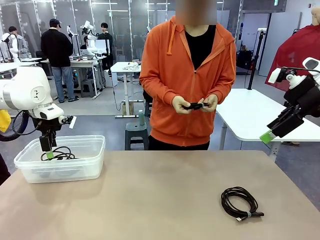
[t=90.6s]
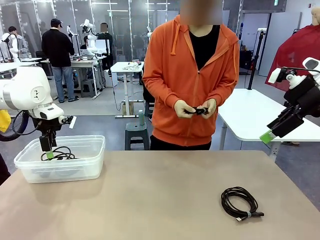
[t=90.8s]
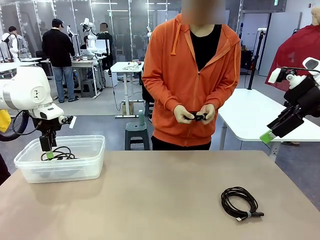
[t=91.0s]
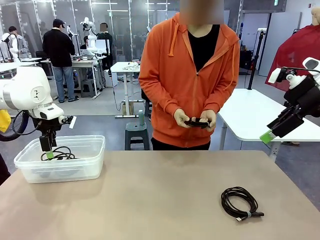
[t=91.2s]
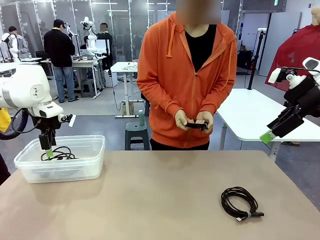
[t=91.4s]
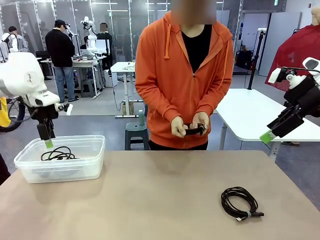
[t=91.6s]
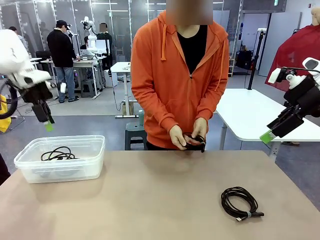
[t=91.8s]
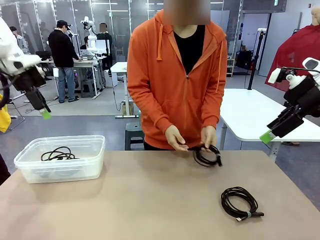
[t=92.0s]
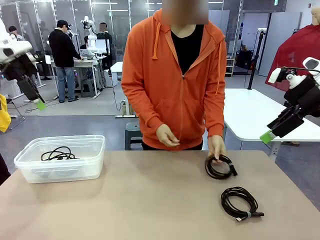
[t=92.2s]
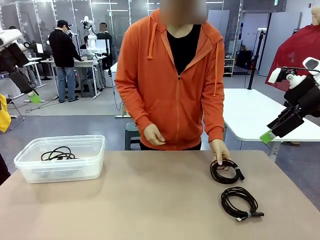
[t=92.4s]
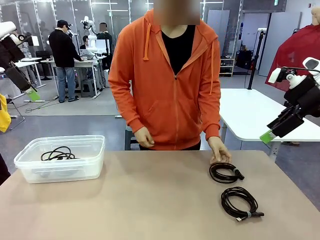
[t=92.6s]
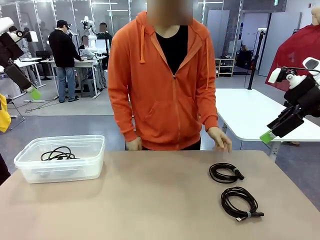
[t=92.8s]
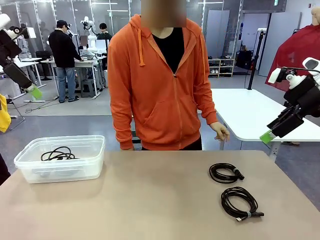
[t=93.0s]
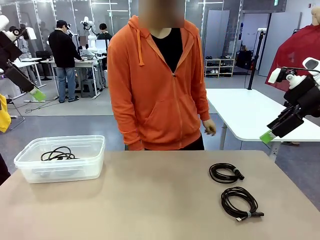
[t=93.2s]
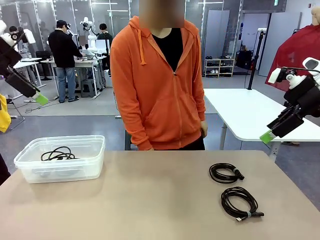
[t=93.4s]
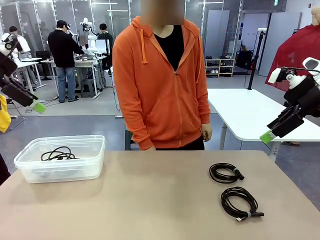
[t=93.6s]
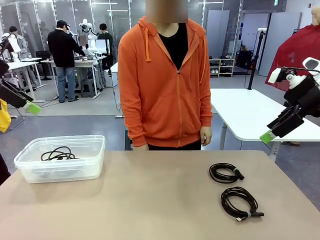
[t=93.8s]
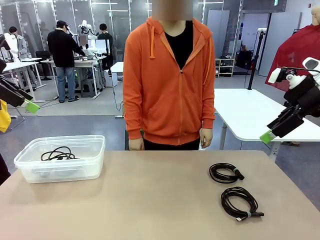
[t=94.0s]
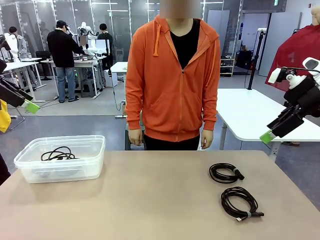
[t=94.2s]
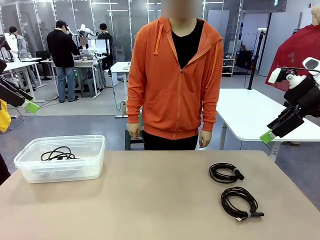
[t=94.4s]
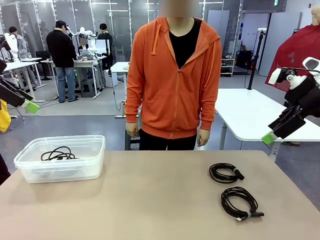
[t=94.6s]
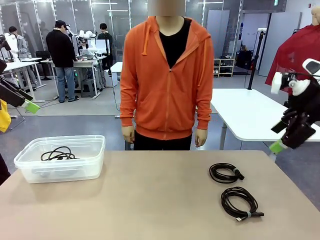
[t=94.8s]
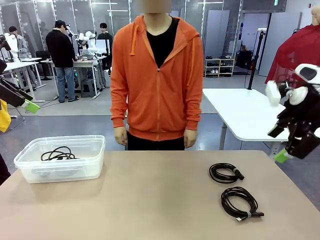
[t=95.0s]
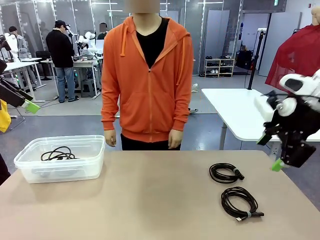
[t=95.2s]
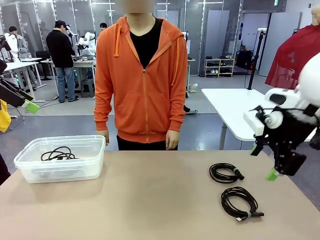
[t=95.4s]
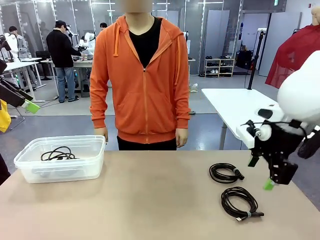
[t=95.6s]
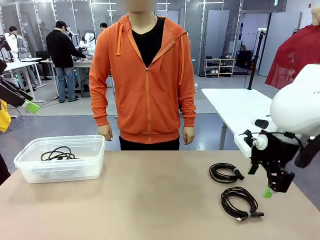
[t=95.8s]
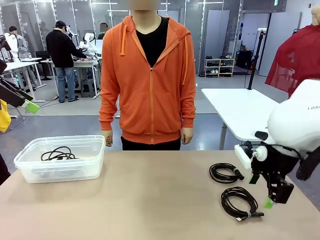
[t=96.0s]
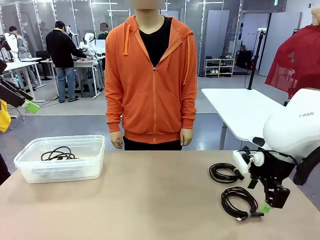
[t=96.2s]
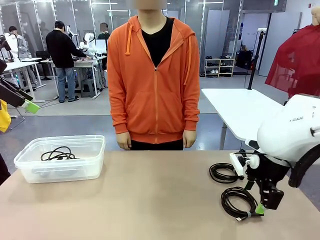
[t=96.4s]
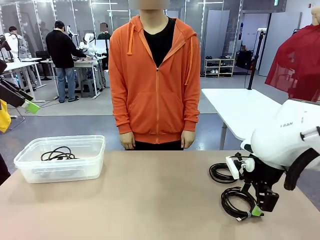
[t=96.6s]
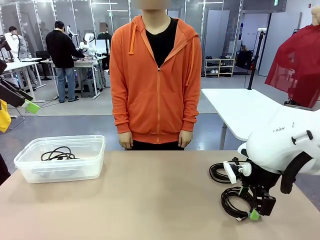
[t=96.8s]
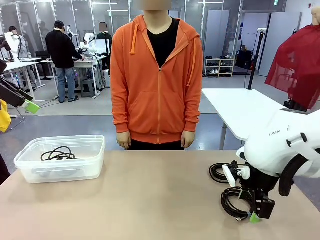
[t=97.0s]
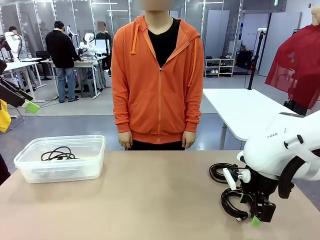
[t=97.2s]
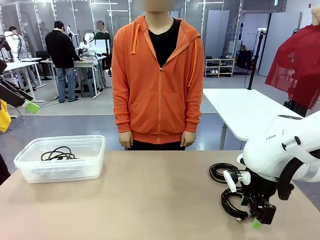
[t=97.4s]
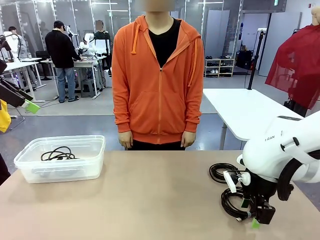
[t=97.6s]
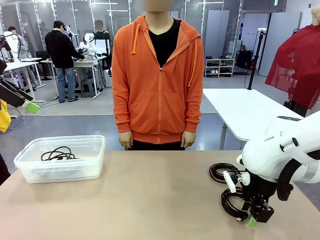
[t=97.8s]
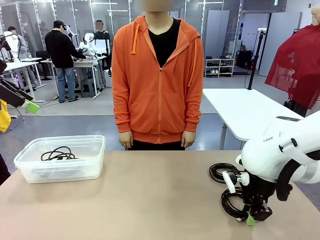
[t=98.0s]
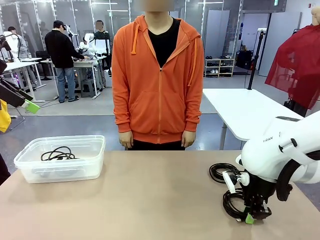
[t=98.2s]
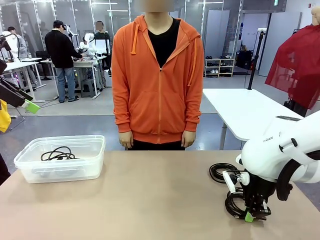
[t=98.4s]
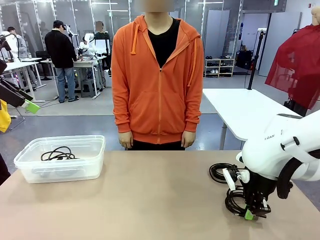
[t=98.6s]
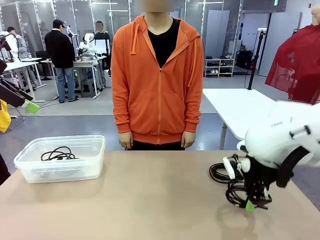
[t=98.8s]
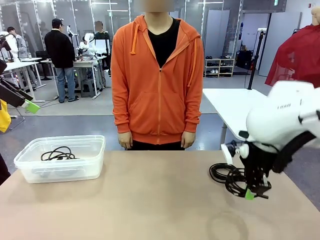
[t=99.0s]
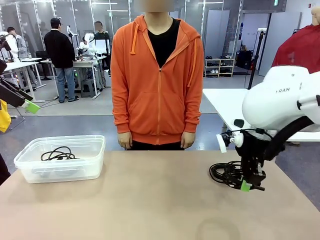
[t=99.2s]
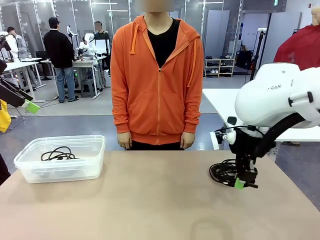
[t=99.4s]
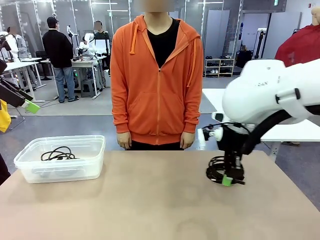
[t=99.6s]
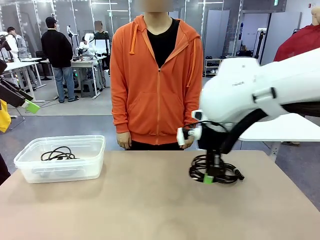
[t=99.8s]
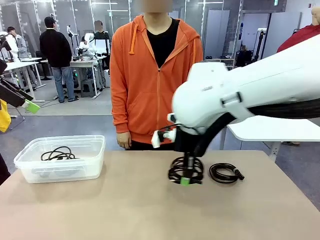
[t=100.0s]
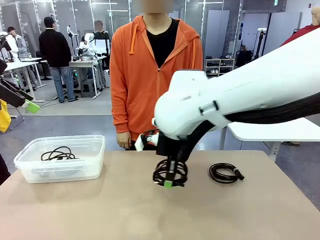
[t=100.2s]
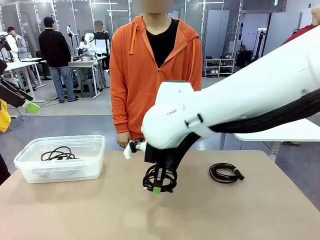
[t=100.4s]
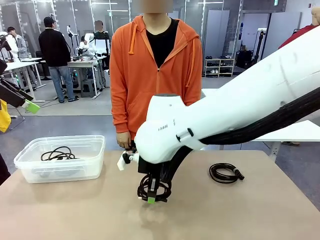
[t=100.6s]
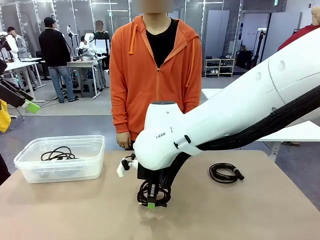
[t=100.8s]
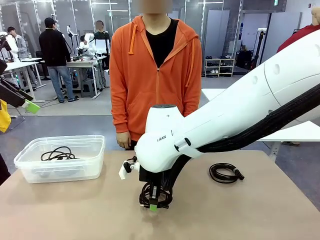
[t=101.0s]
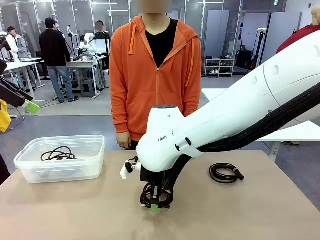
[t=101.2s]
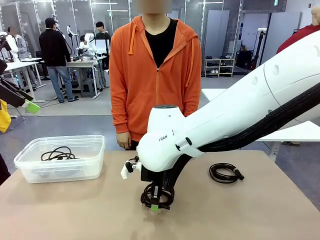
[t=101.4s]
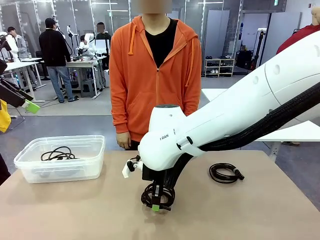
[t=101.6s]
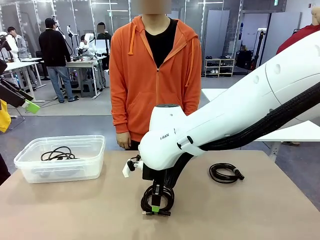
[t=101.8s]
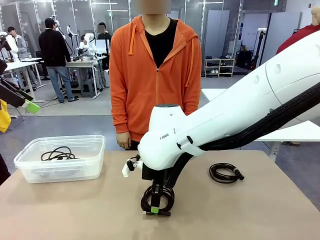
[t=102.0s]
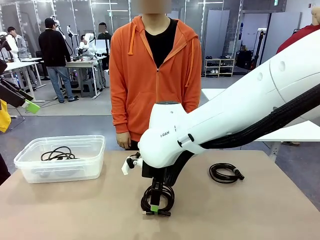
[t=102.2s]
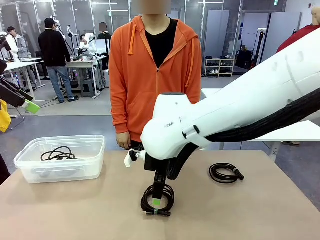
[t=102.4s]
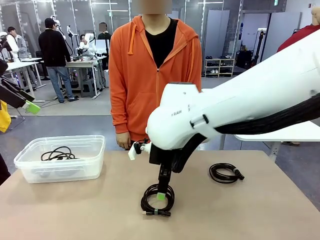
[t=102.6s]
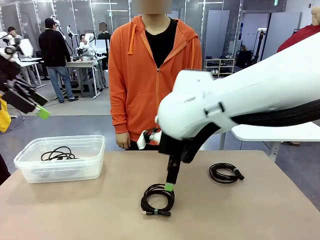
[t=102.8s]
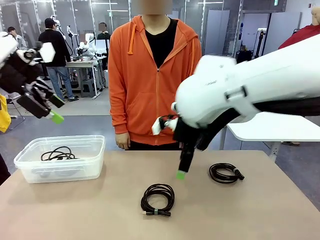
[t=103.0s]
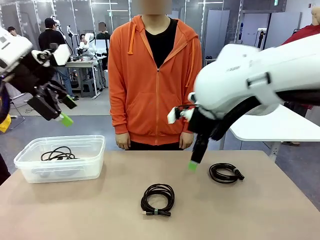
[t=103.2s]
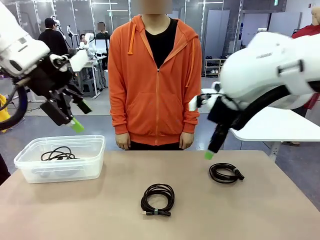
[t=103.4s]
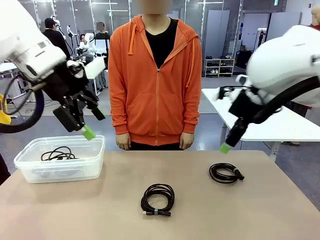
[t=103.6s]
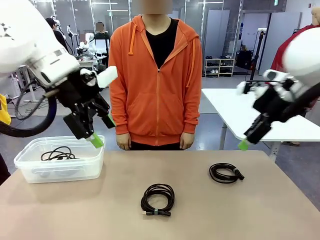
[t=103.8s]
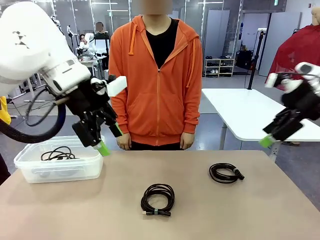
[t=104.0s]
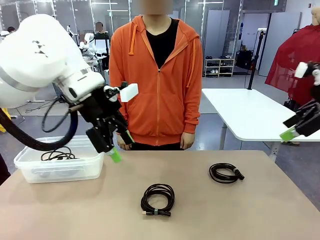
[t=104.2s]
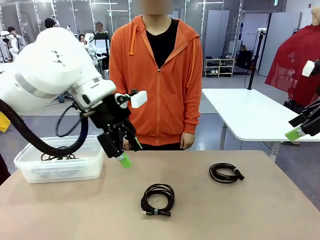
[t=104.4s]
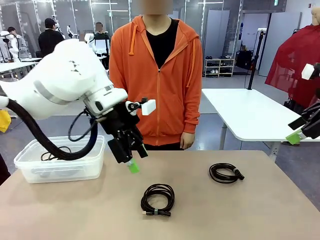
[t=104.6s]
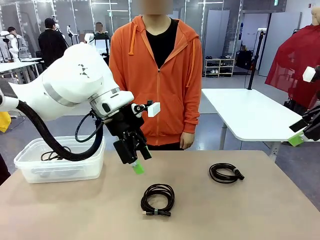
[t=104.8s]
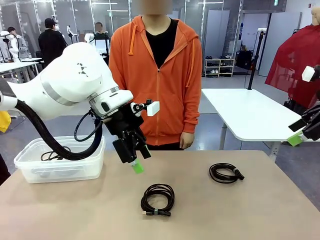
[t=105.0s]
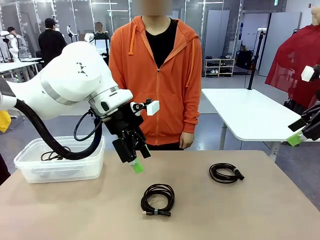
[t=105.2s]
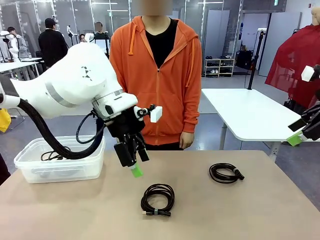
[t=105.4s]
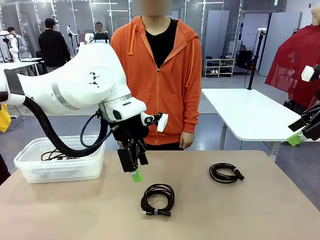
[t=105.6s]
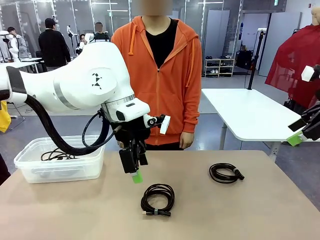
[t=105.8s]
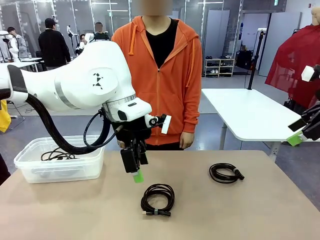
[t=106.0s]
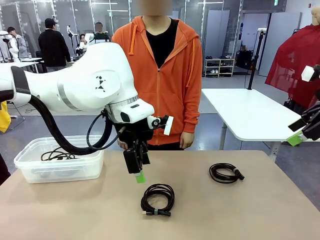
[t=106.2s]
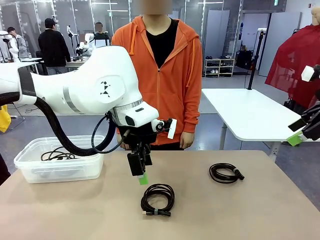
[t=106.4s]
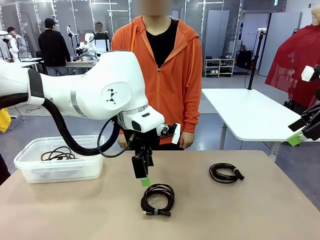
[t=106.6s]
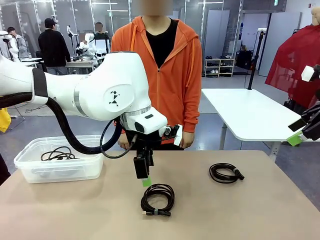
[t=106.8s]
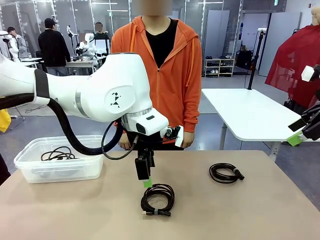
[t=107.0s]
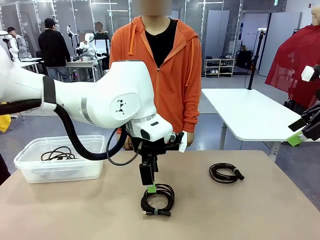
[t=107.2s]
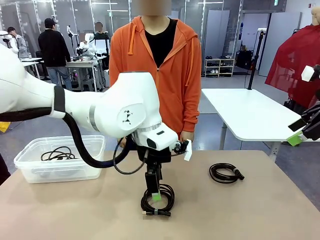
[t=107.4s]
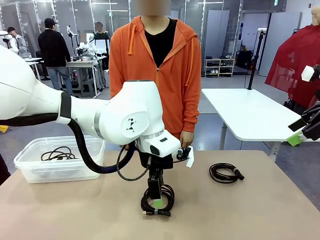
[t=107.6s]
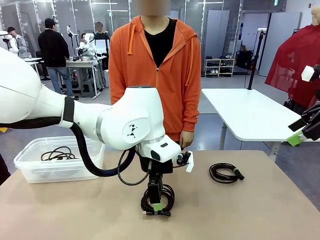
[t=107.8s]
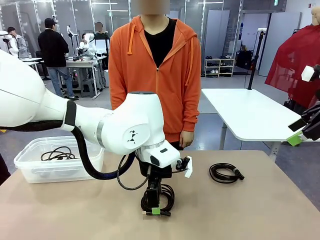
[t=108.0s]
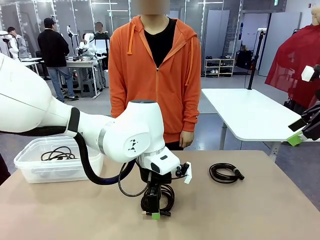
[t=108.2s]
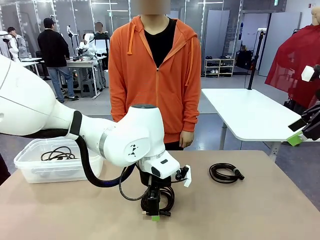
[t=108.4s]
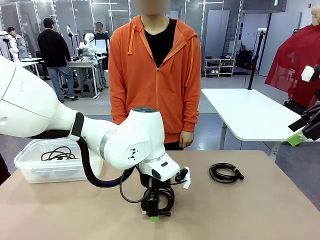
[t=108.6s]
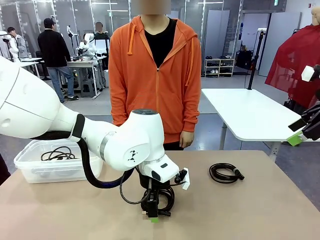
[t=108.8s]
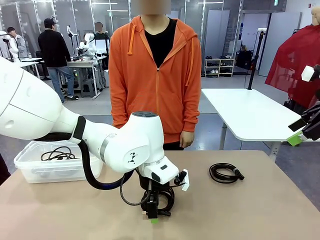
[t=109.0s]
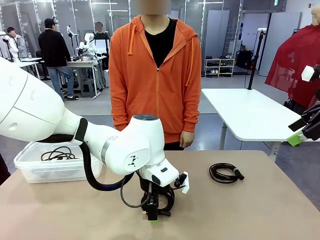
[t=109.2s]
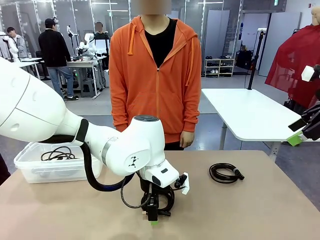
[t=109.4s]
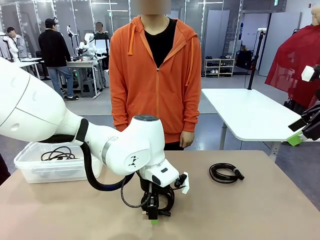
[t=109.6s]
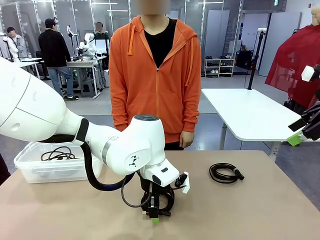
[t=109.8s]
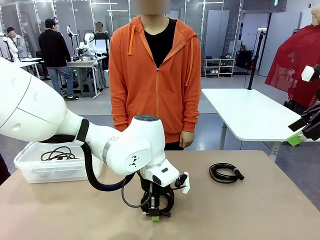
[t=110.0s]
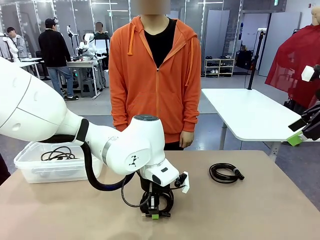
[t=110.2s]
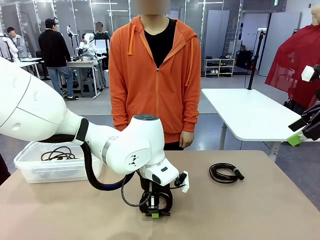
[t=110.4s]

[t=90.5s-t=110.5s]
Task: Organize and store the cables.
Robot: Place the USB Extension Cable into the Organizing box.
